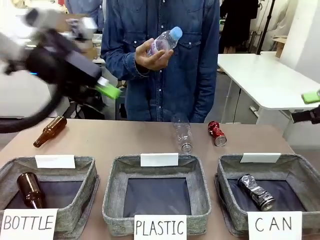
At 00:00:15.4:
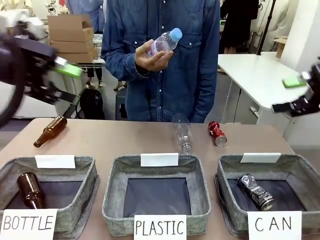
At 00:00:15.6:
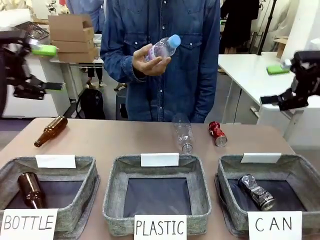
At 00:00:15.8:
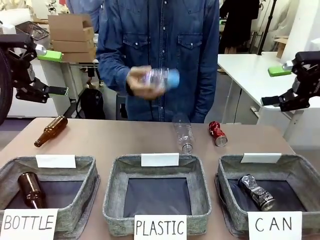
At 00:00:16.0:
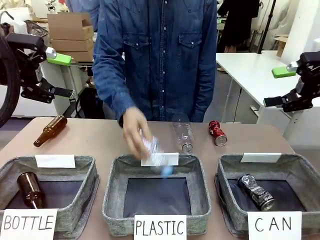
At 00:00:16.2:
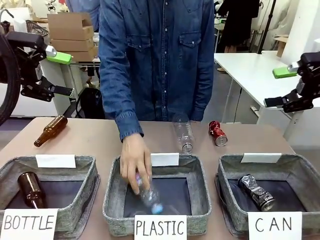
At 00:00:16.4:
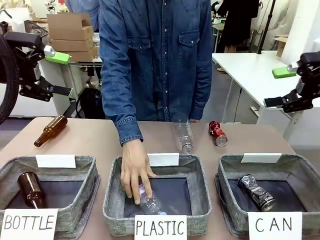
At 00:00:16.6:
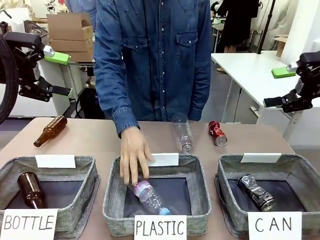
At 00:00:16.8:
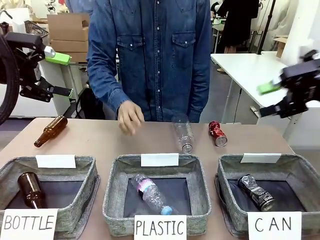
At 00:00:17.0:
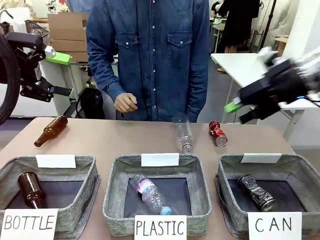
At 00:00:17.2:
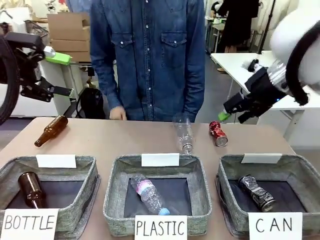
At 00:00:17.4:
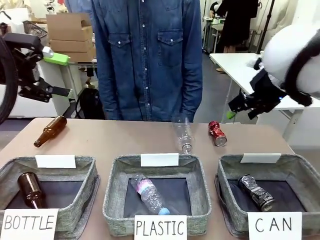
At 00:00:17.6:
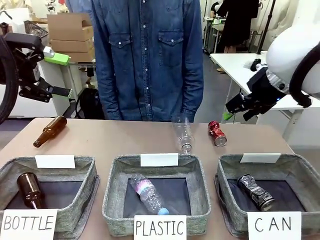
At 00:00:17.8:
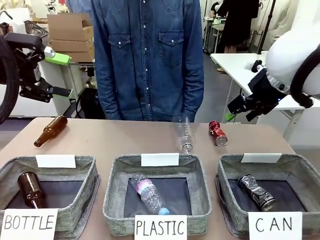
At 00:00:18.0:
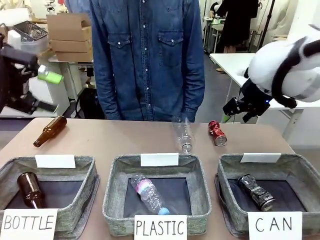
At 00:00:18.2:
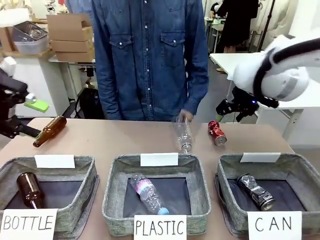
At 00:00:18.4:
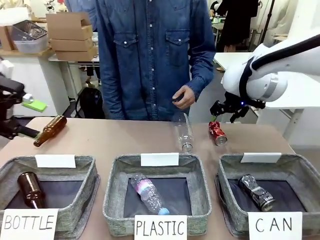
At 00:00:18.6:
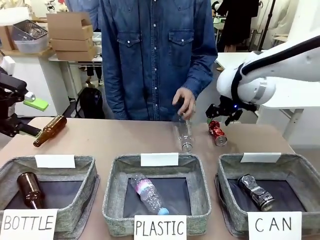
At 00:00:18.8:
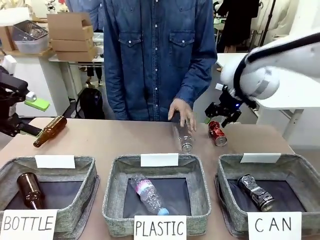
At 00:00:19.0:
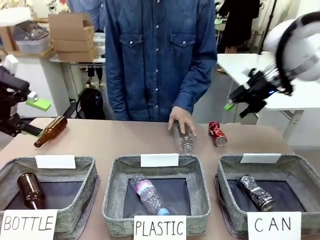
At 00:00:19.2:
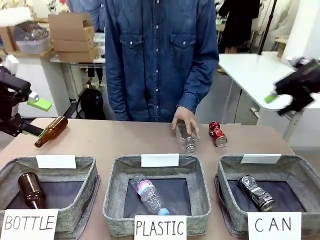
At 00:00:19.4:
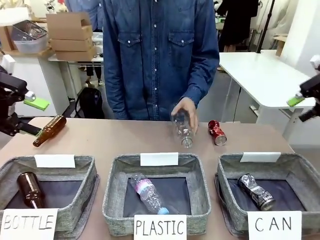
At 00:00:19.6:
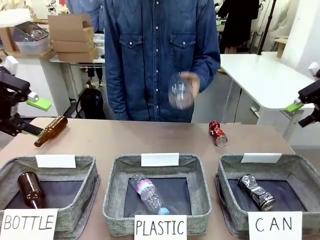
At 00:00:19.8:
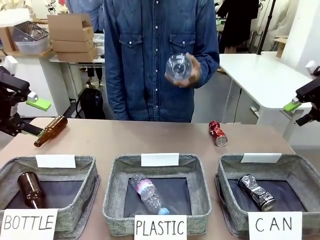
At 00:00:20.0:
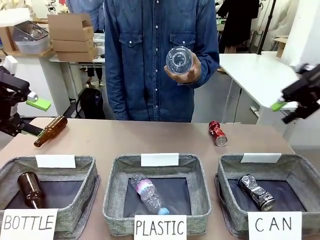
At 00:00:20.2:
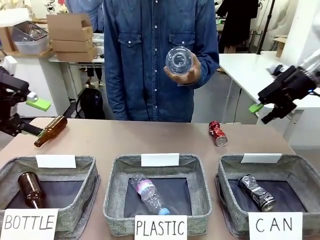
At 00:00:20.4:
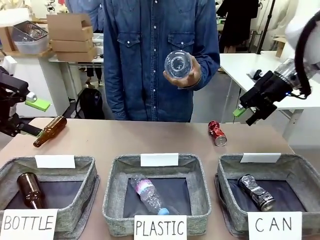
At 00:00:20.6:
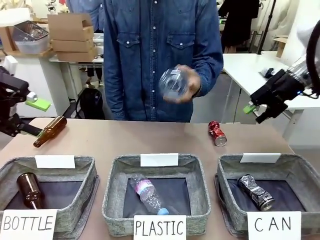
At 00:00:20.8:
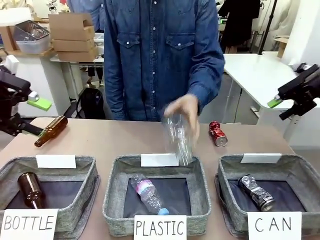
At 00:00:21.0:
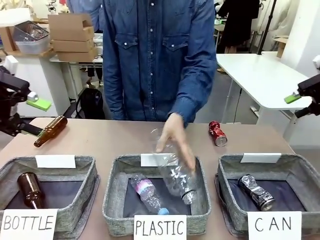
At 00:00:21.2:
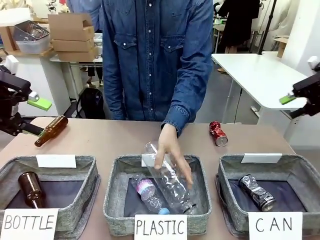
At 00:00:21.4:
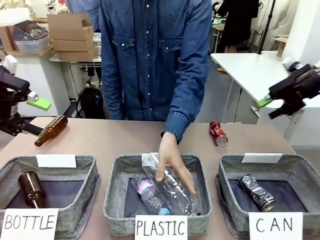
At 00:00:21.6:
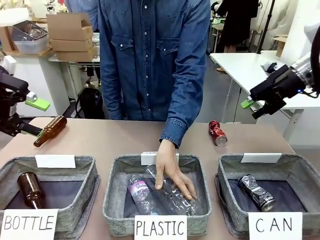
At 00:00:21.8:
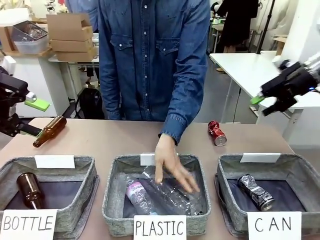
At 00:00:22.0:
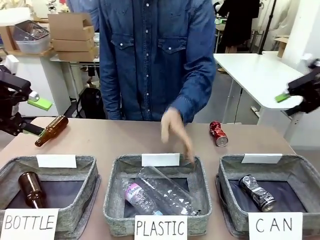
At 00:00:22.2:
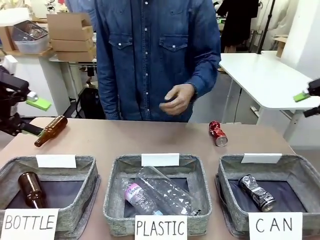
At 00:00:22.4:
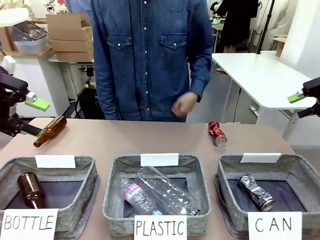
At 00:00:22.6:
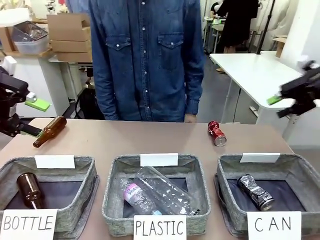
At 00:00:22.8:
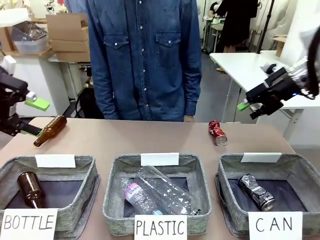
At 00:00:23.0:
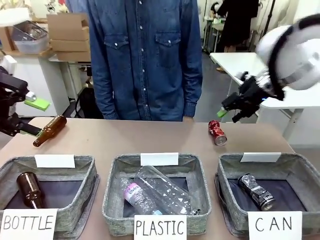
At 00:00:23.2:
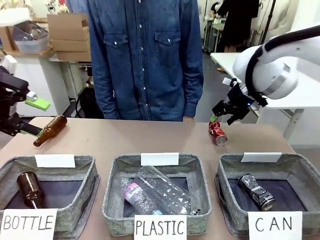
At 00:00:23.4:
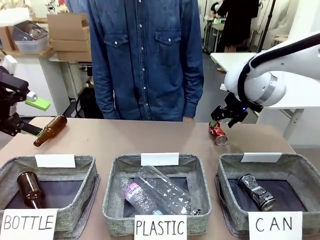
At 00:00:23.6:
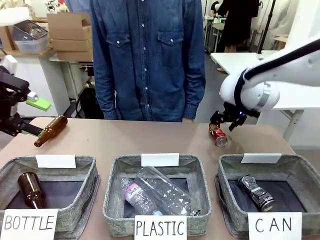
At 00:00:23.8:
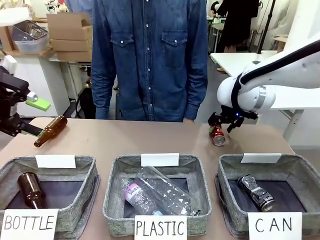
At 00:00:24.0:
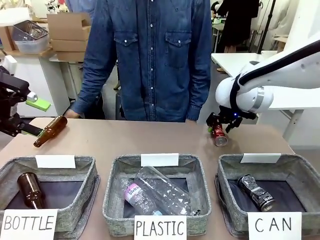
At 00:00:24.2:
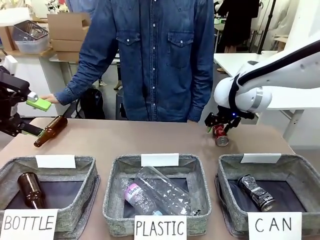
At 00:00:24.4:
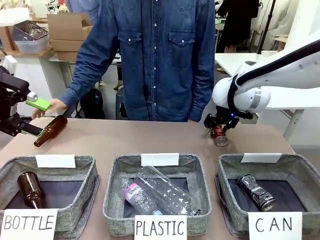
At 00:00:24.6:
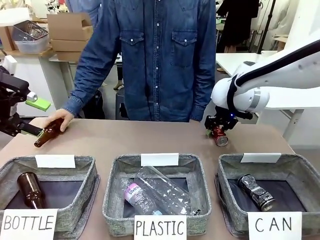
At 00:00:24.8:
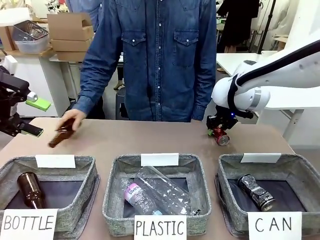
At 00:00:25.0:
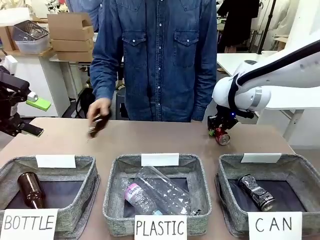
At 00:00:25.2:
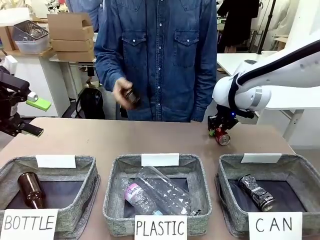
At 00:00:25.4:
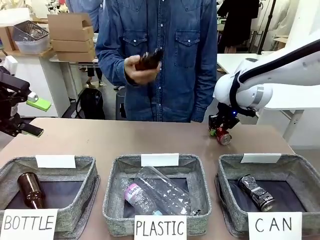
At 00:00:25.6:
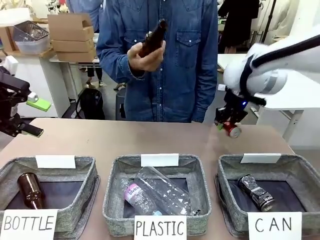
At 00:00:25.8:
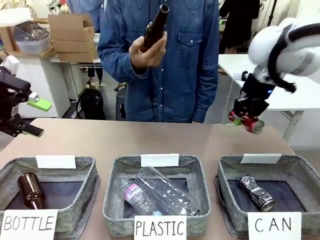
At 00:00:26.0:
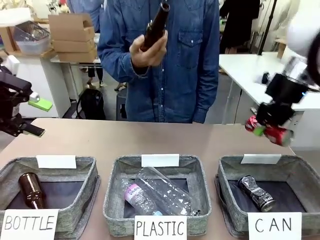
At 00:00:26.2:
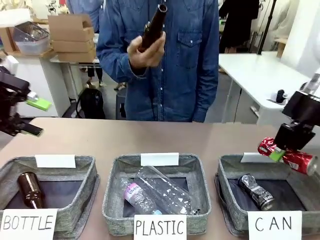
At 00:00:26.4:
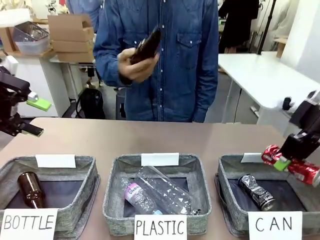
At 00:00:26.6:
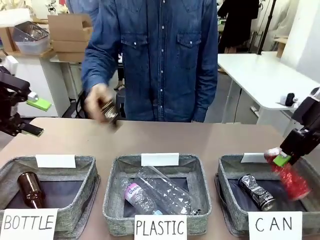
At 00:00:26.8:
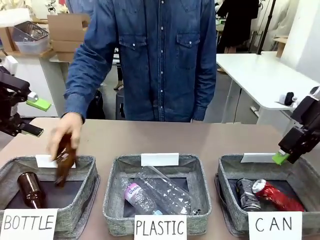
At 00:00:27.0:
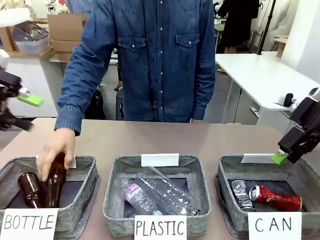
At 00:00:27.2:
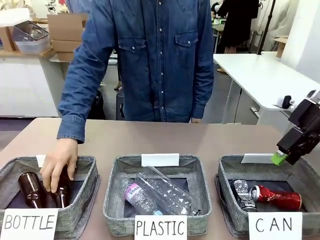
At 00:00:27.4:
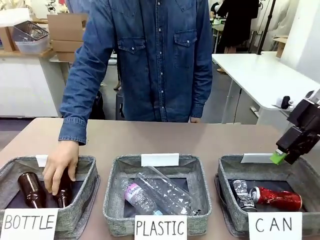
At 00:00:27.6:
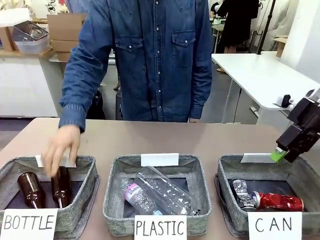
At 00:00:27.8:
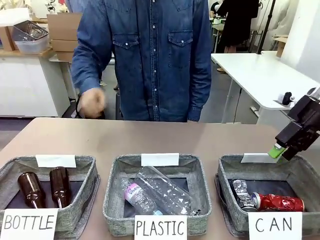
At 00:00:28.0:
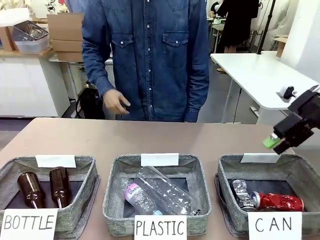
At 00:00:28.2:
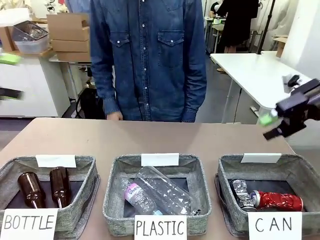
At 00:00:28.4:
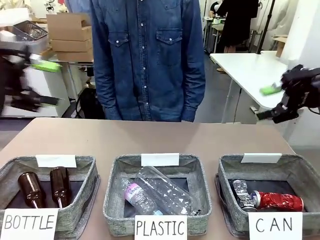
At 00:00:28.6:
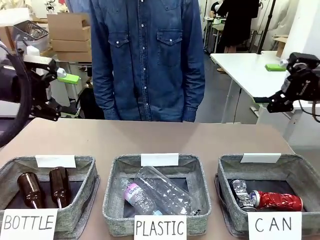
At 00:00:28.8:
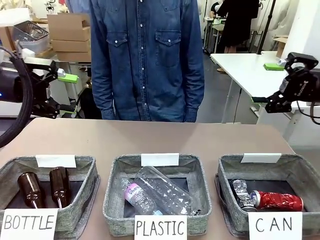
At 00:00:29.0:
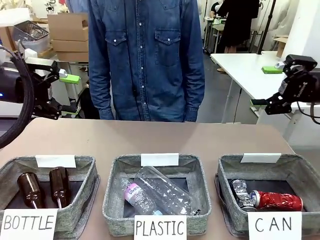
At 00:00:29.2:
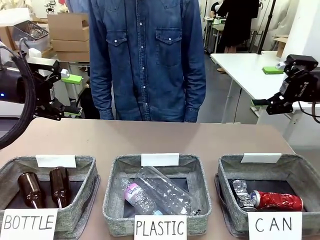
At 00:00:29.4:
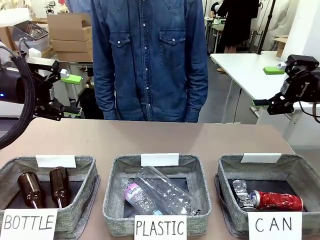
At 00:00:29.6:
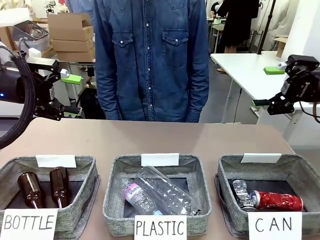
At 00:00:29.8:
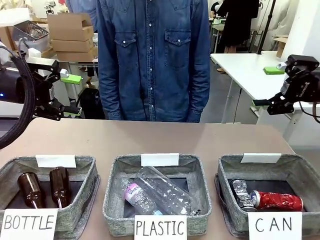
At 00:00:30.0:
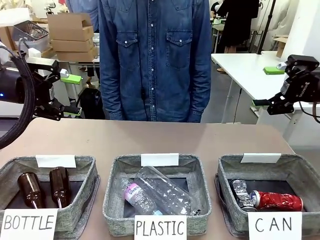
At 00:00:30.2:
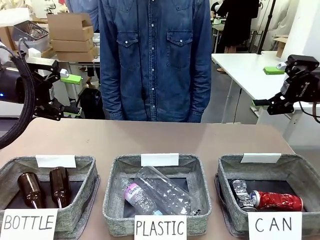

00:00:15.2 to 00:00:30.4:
Task: Sort the can waste into the basket.
Robot: Pick up the can waste from the table and place it in the right Fabric basket.
